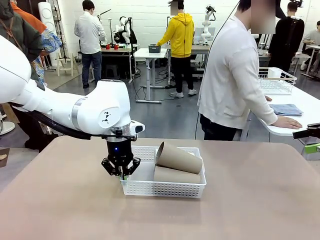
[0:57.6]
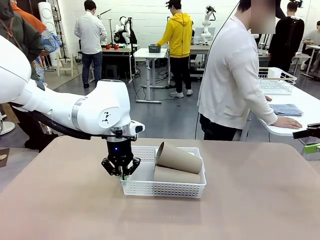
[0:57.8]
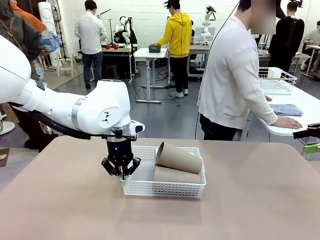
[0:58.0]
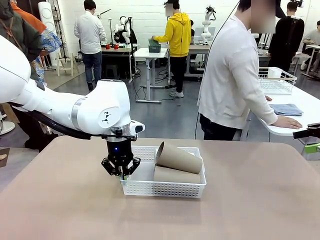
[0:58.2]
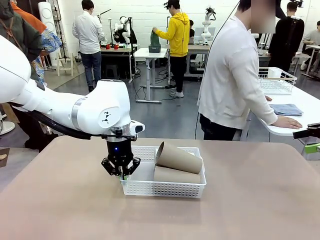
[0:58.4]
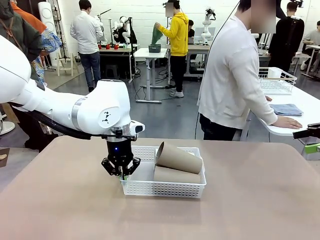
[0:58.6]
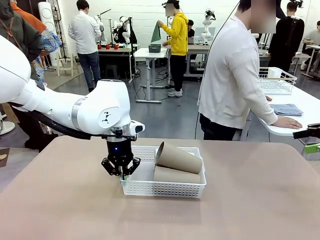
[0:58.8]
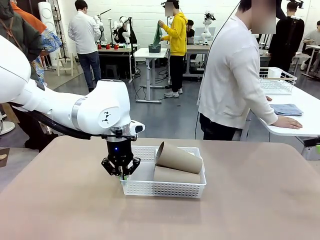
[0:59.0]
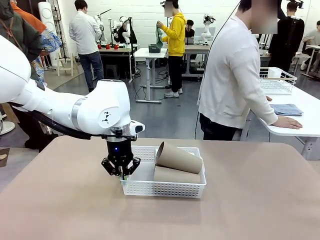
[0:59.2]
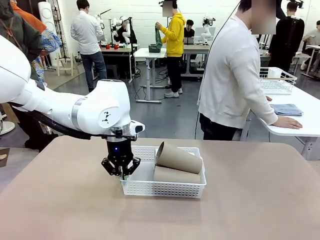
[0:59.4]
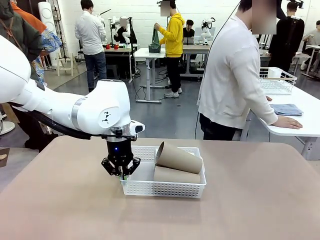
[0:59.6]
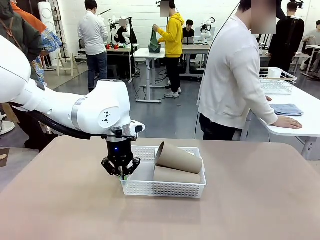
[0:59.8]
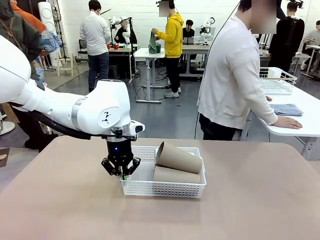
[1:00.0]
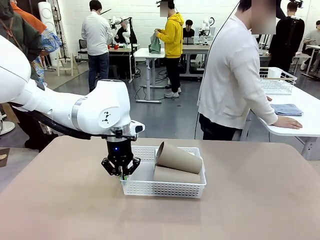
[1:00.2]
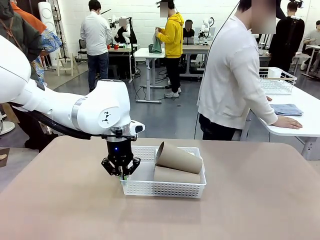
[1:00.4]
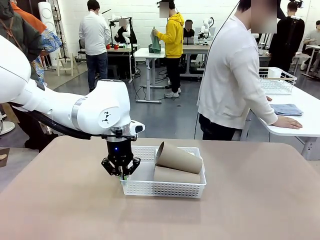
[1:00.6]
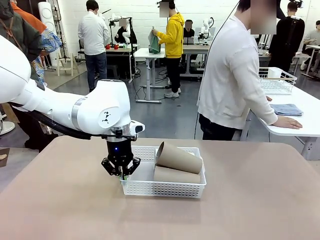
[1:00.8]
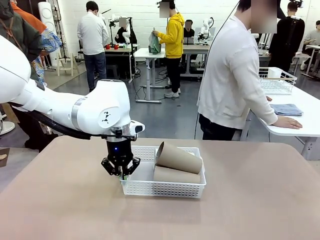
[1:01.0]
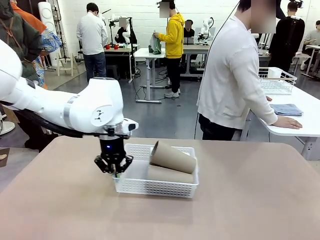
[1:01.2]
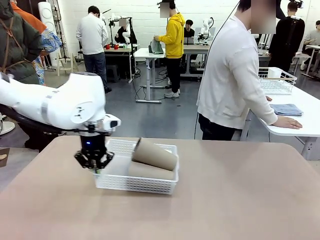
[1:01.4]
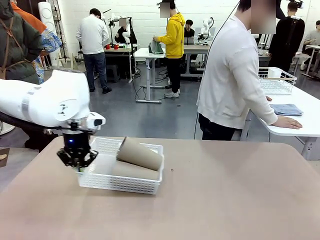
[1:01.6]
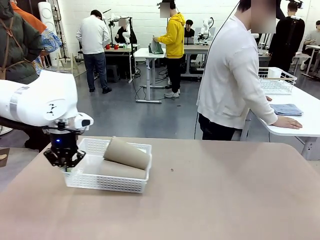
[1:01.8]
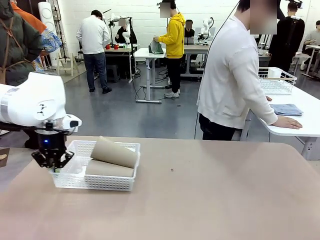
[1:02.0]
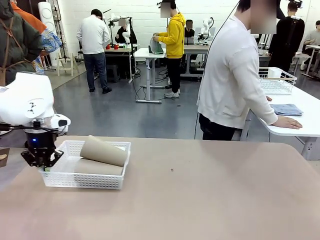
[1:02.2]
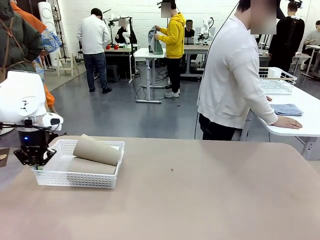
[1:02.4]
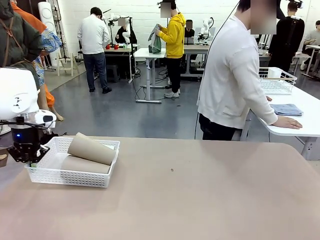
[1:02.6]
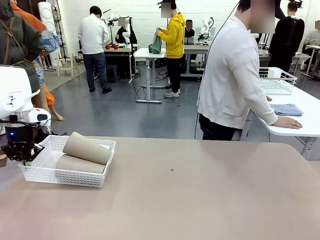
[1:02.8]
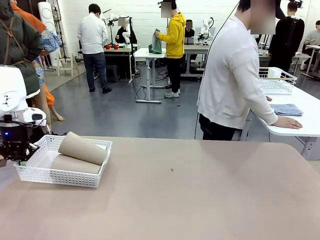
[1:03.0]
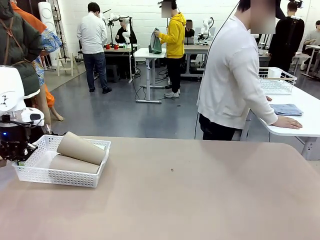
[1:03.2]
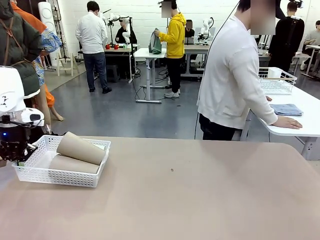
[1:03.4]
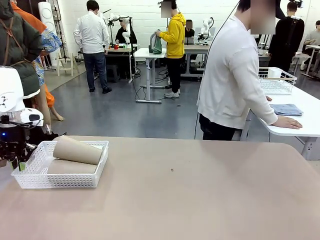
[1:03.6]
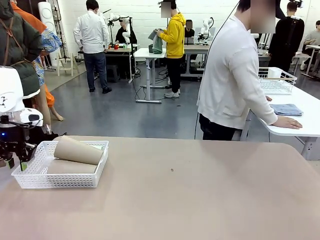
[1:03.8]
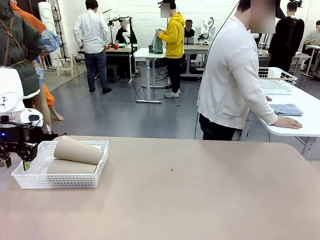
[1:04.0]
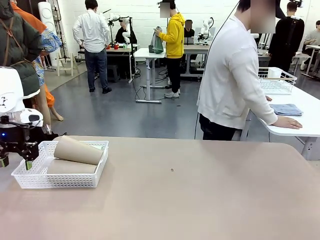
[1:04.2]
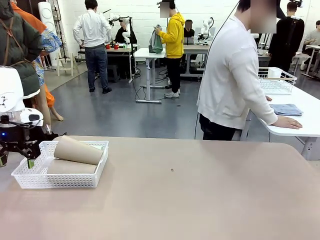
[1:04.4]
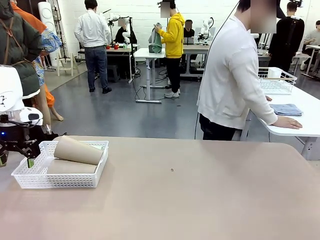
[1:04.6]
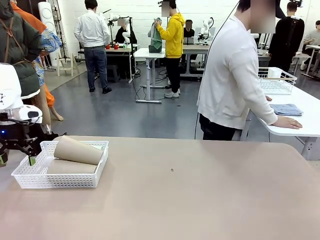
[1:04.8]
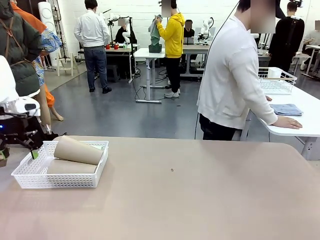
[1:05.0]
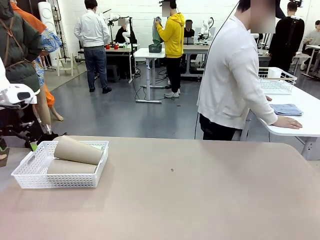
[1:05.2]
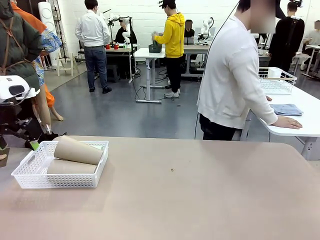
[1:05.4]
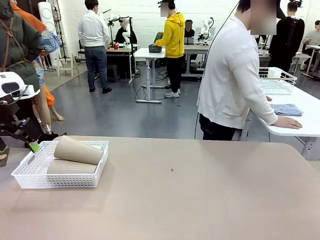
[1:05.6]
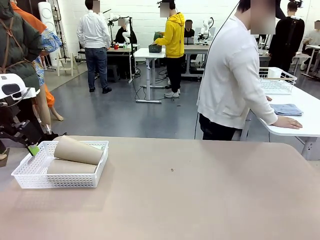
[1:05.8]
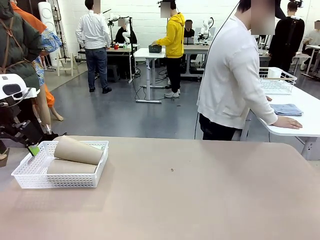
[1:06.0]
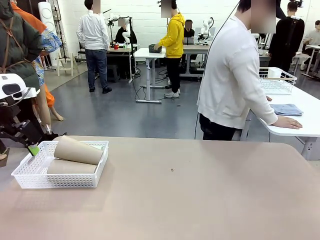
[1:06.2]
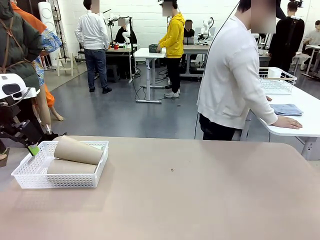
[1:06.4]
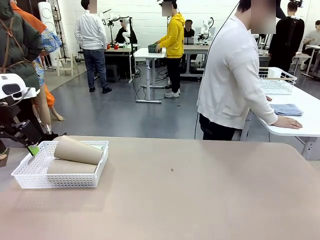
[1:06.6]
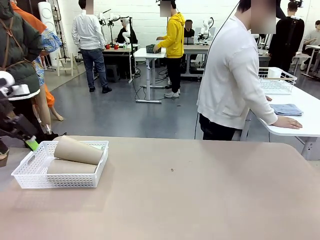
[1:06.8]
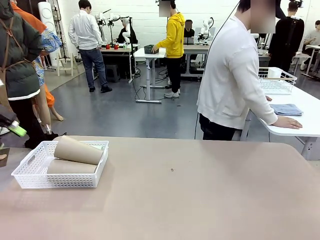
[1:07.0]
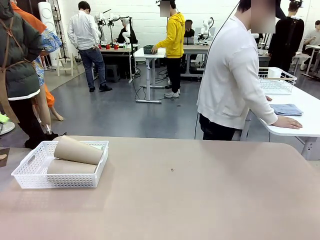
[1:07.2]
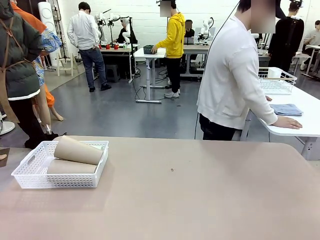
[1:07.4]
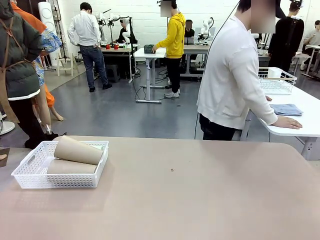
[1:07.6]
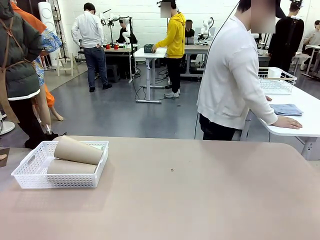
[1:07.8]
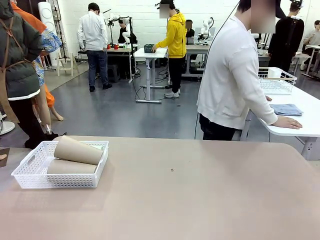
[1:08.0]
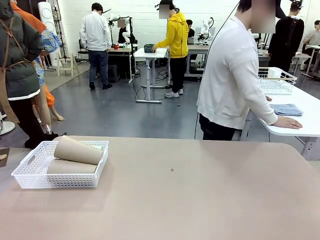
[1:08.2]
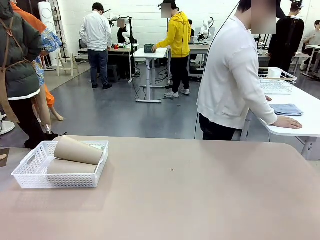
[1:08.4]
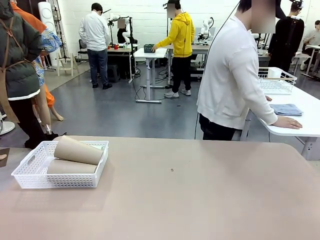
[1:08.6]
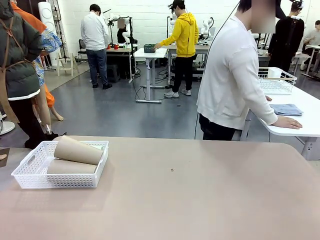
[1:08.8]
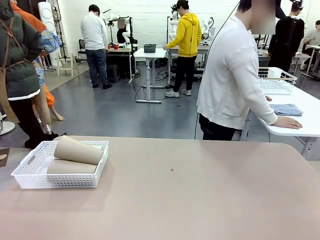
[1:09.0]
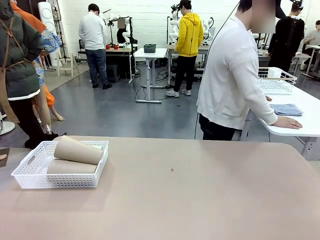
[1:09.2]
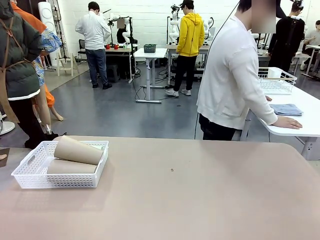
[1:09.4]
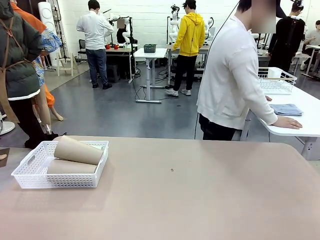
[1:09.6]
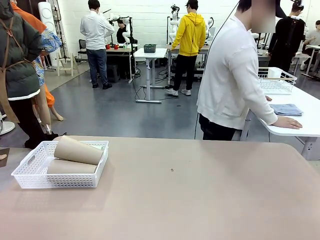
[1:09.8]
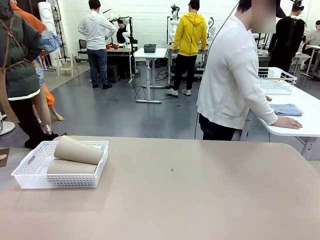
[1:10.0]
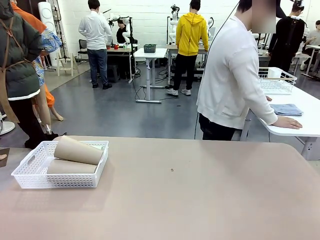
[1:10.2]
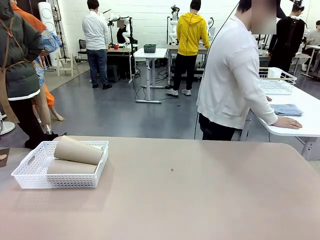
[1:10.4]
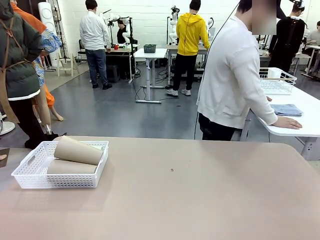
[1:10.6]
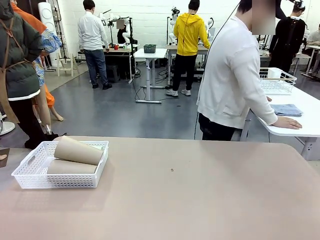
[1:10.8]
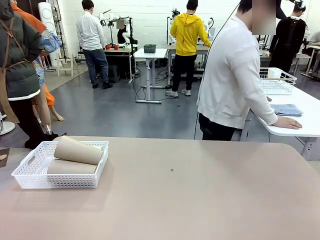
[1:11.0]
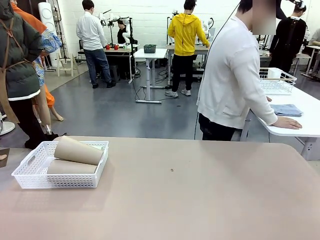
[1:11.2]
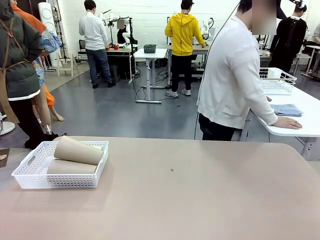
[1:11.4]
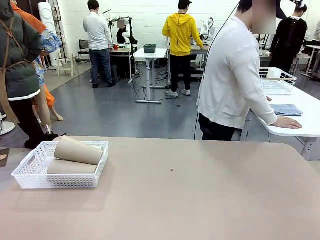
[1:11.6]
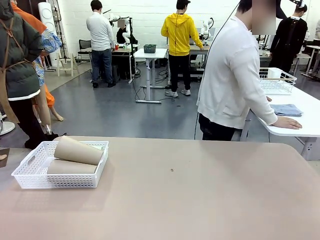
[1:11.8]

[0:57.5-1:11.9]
Task: Clean and organize the cups into the basket.
Robot: Move the Organizing basket back to the left side of the table.
Person: Folds the towel in half twice and places it in the right of the table.
